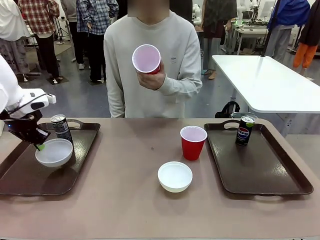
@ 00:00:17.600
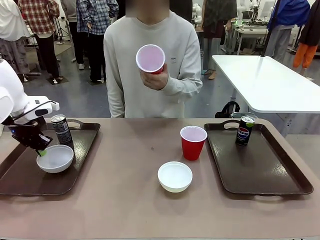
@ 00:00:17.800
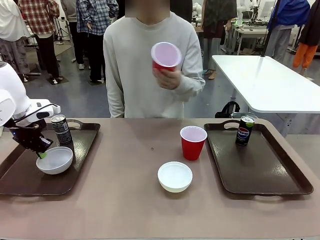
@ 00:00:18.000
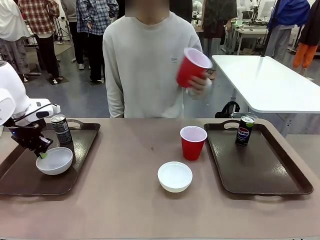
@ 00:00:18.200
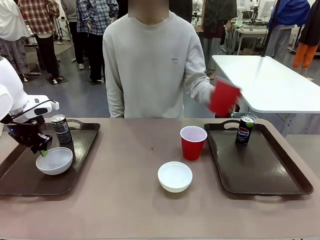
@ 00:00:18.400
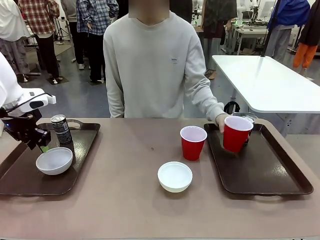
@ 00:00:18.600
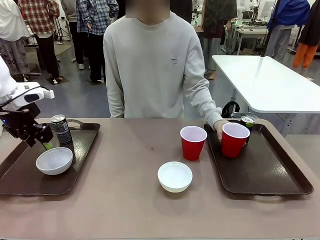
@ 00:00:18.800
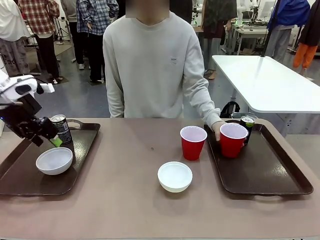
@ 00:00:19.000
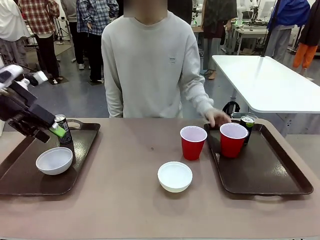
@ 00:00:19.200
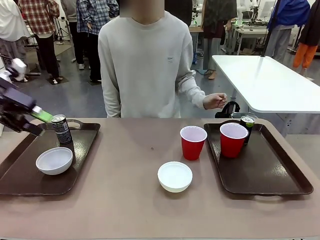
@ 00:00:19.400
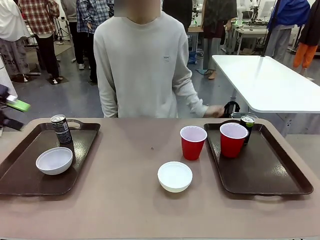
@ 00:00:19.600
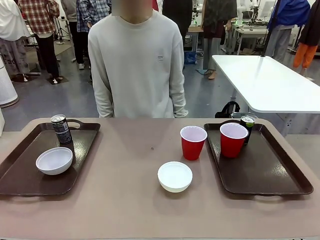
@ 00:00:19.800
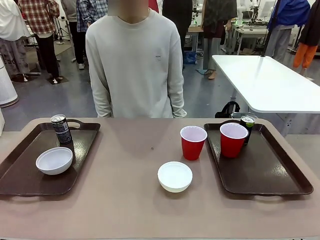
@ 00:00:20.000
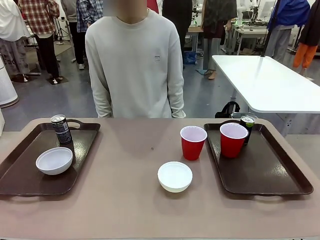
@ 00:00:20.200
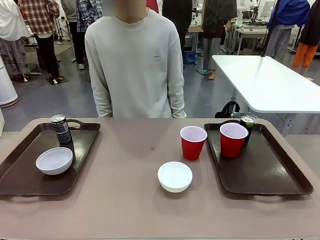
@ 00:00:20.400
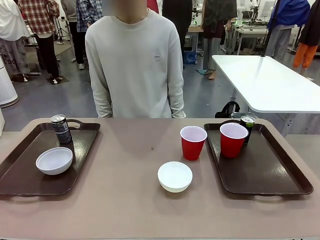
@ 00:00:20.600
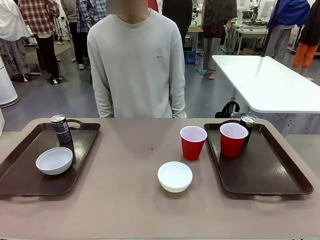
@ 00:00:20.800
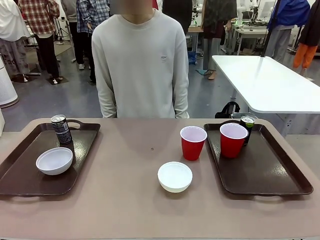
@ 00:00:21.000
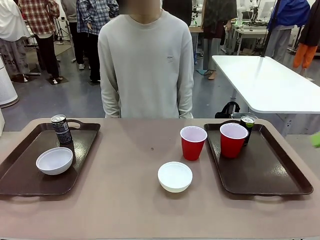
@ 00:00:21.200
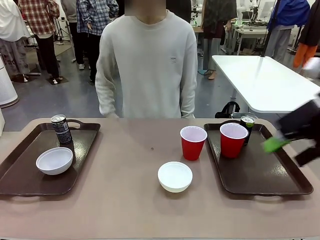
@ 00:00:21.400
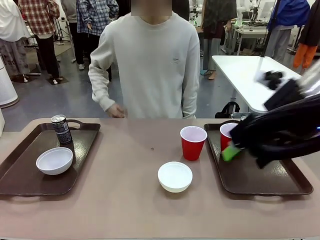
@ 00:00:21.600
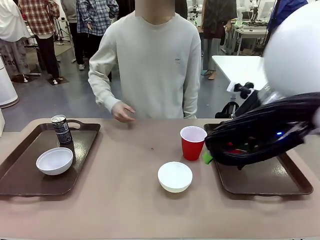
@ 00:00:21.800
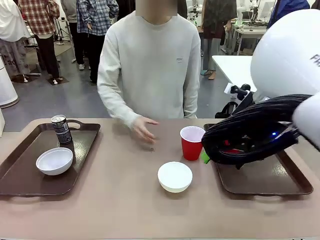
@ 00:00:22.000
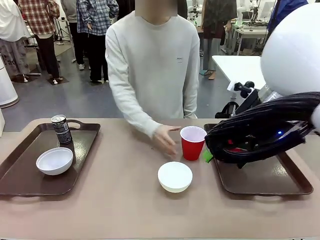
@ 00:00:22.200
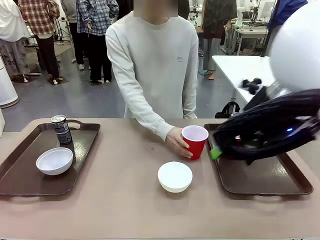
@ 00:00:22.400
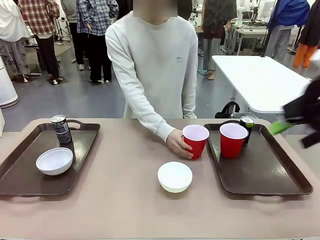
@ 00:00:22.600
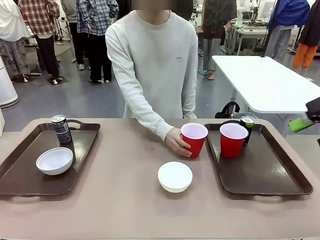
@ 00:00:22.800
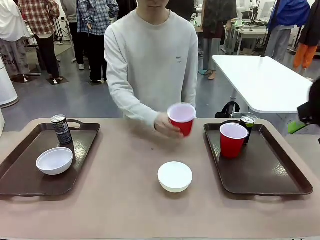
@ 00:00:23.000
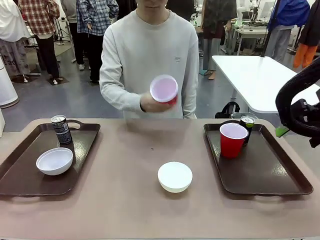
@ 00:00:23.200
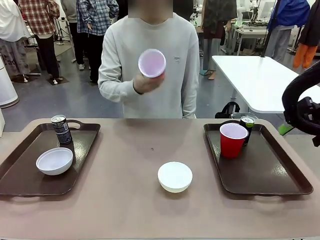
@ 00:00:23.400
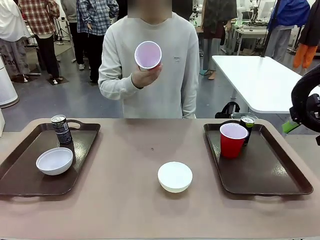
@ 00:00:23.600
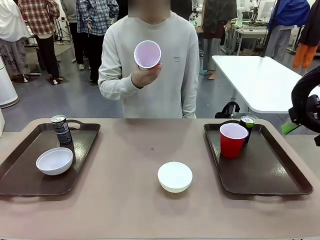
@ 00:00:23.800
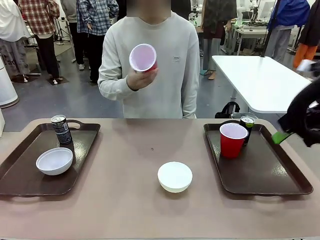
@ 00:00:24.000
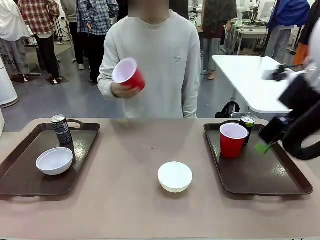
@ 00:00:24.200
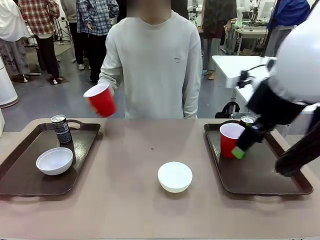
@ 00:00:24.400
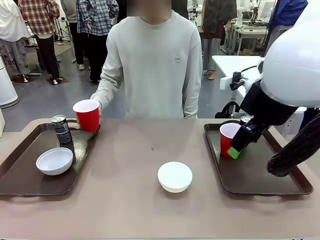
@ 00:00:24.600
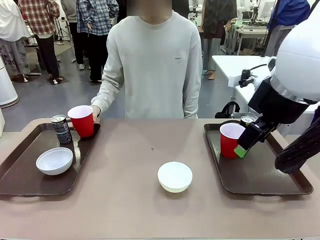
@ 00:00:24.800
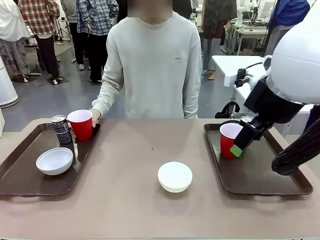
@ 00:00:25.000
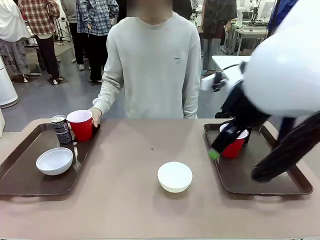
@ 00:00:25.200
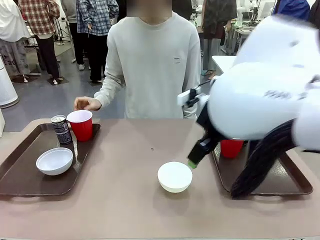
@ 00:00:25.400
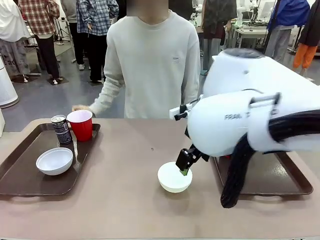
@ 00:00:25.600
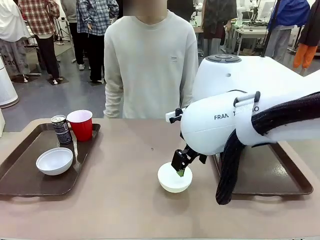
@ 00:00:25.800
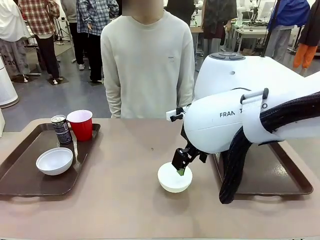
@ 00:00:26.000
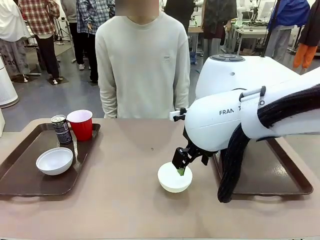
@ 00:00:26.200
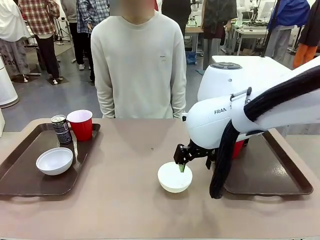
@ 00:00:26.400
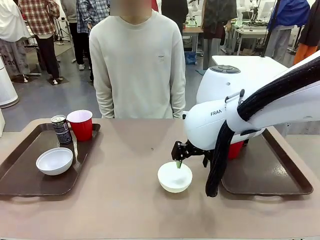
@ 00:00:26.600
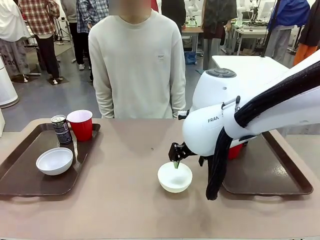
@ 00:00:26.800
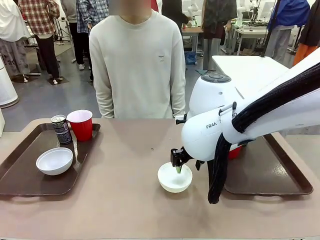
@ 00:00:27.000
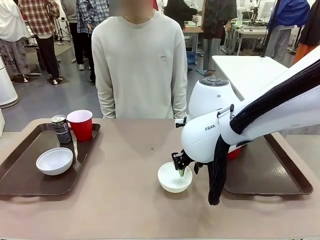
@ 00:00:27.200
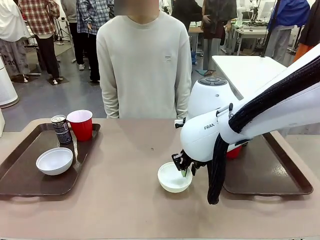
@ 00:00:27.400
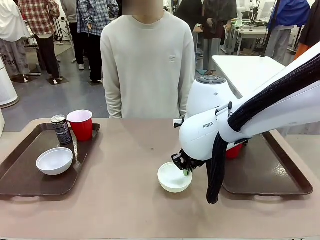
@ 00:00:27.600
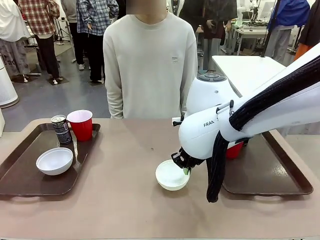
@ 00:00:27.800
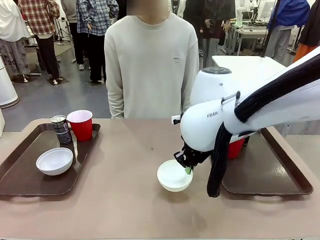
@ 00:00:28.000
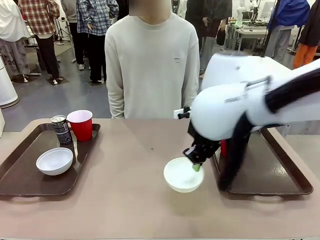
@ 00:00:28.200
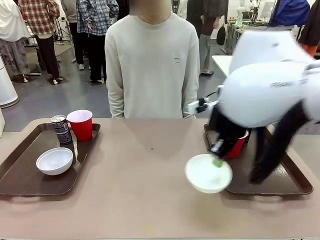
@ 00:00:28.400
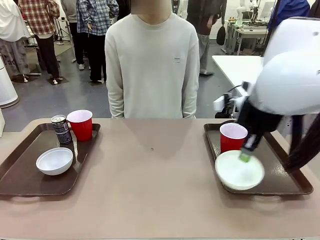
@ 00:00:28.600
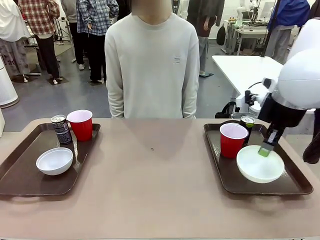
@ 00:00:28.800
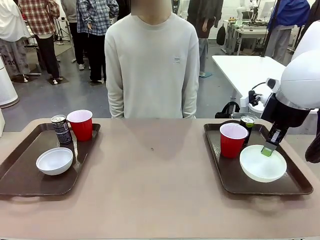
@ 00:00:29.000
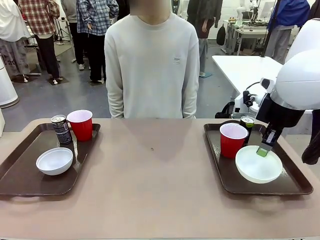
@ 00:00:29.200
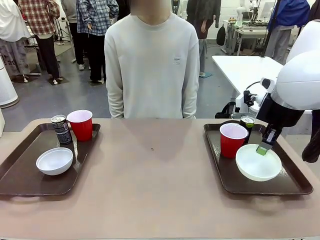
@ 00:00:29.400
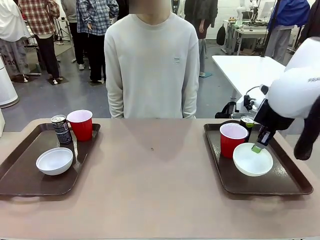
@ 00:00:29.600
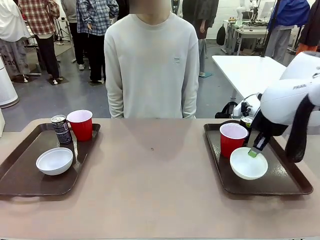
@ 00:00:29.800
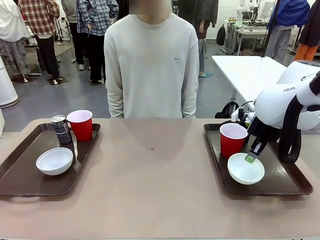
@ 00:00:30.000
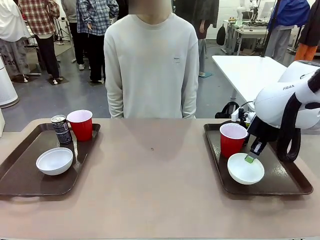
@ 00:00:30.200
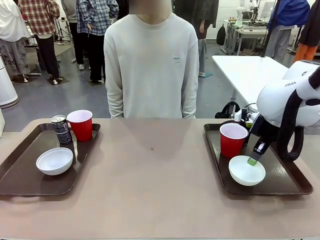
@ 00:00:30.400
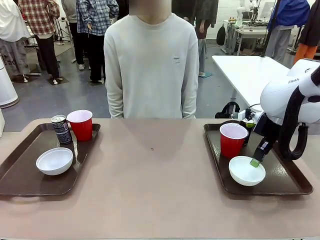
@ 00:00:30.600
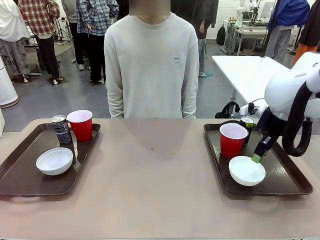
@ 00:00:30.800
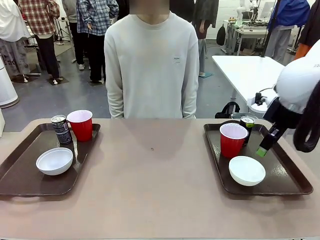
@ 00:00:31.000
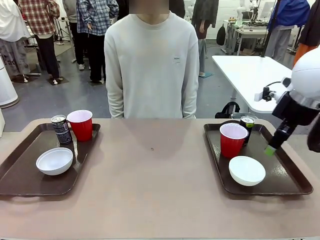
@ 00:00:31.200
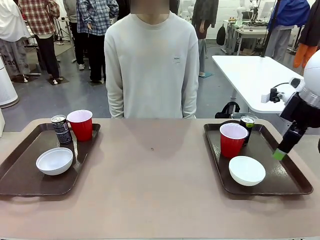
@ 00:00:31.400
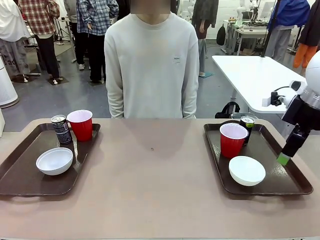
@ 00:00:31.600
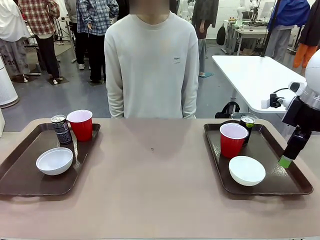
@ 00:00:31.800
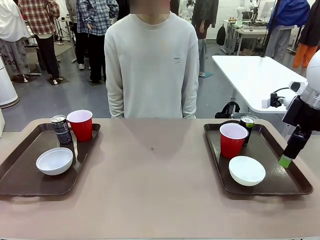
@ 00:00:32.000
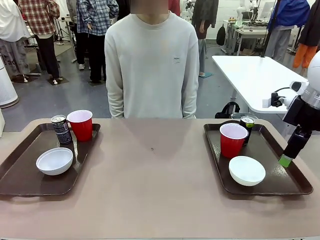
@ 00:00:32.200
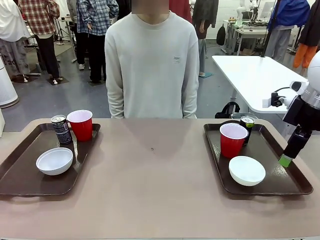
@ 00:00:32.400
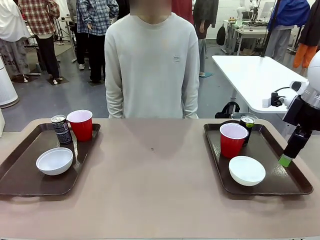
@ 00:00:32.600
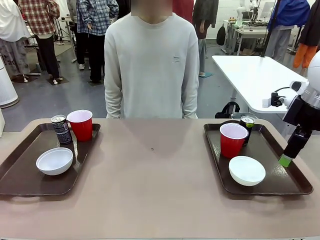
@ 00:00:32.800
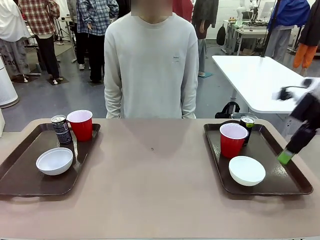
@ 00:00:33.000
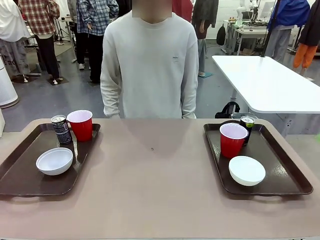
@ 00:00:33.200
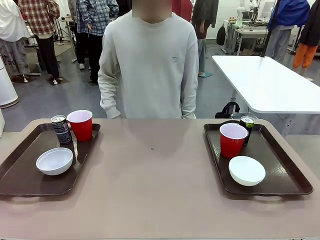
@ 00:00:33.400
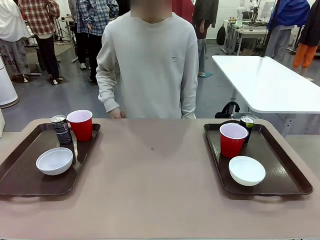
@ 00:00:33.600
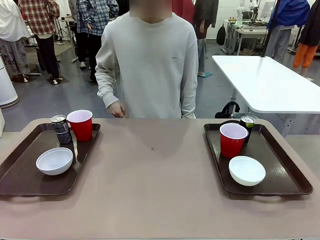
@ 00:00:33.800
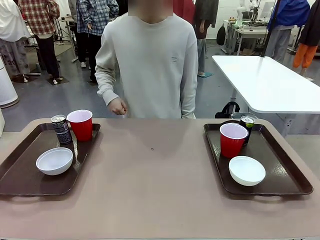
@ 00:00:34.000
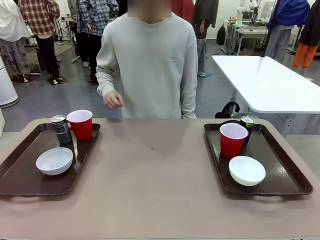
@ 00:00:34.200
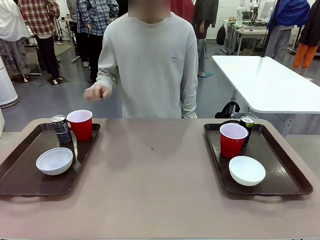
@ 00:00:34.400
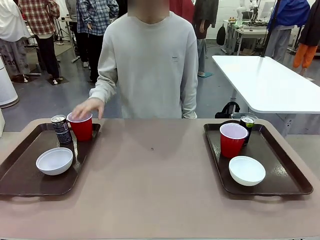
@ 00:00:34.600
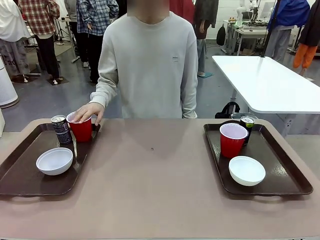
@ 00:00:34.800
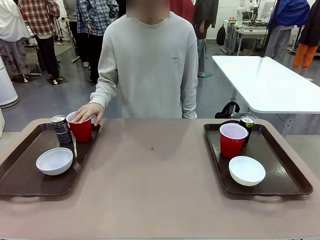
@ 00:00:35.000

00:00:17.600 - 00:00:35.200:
Task: Prepare tableware on both trays.
Robot: Pick up a Picnic Bowl from the table and place it on a Handle tray.
Person: Pick up a can or cup and place it on the tray without a can or cup.
